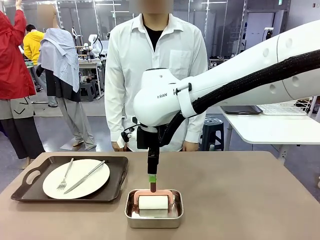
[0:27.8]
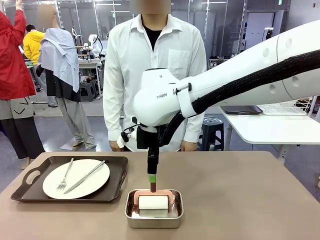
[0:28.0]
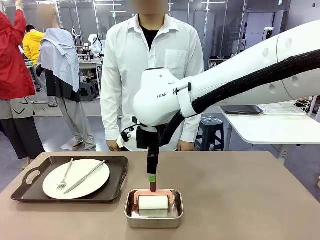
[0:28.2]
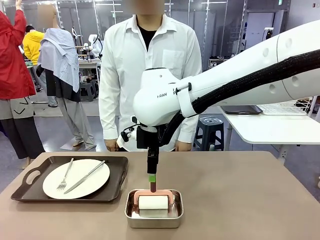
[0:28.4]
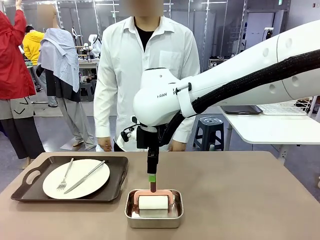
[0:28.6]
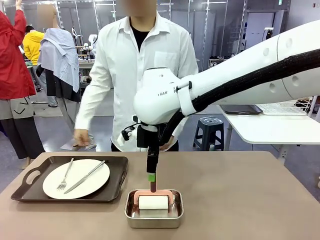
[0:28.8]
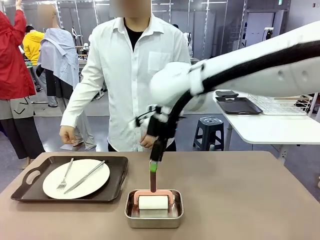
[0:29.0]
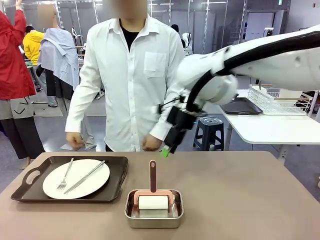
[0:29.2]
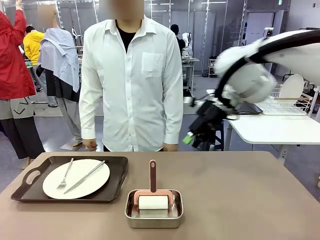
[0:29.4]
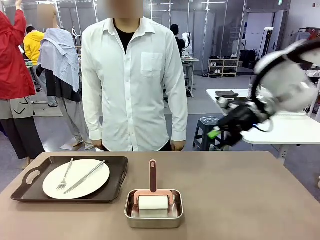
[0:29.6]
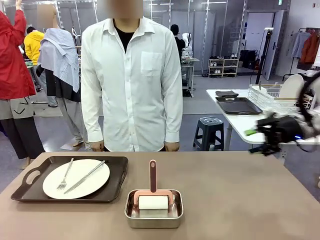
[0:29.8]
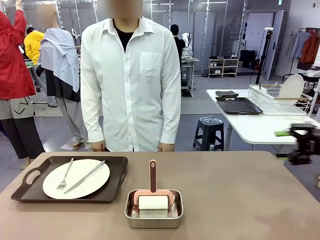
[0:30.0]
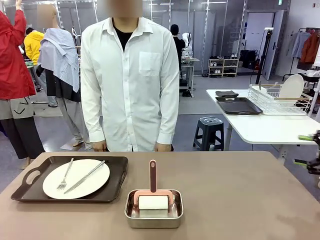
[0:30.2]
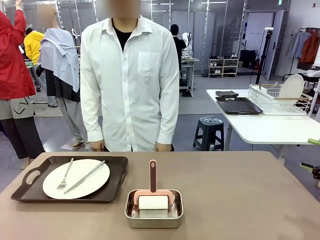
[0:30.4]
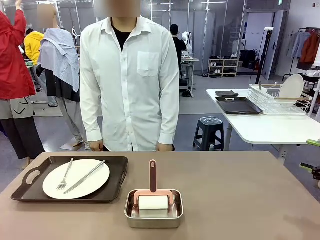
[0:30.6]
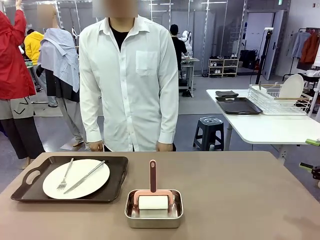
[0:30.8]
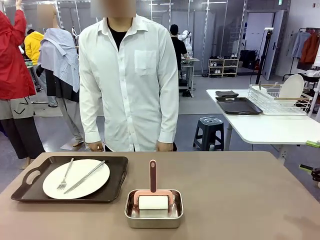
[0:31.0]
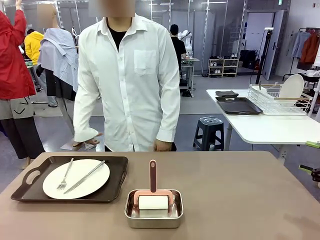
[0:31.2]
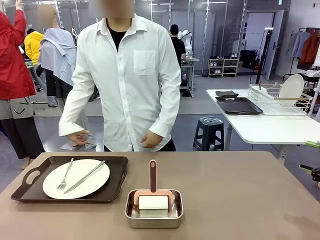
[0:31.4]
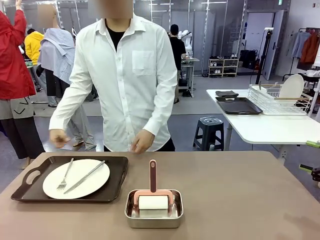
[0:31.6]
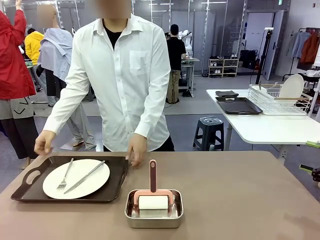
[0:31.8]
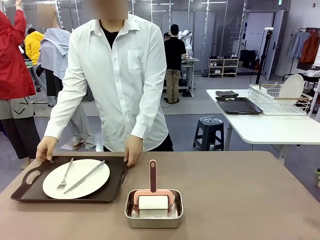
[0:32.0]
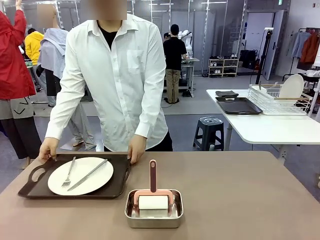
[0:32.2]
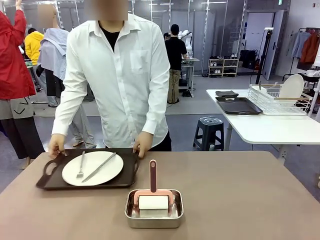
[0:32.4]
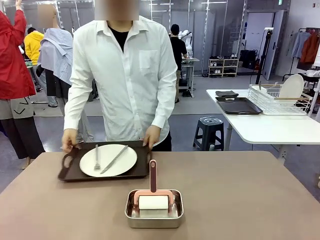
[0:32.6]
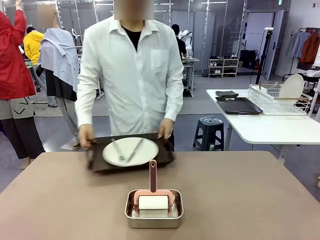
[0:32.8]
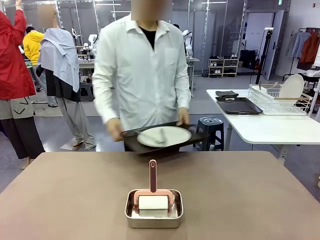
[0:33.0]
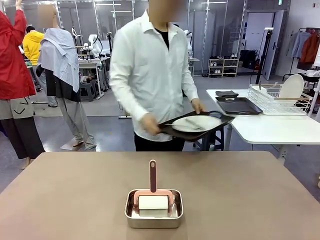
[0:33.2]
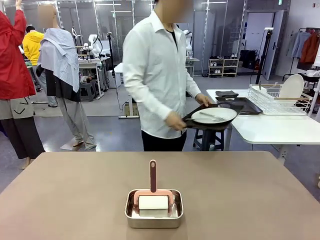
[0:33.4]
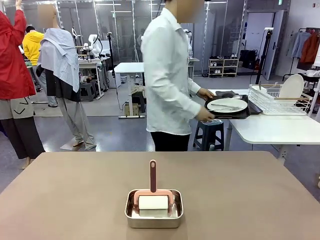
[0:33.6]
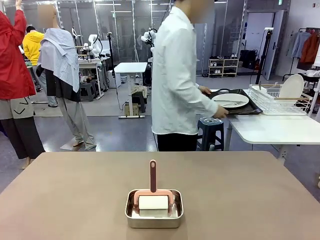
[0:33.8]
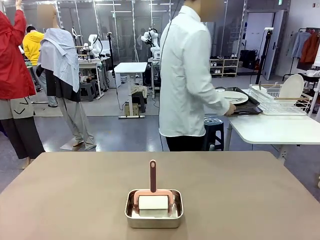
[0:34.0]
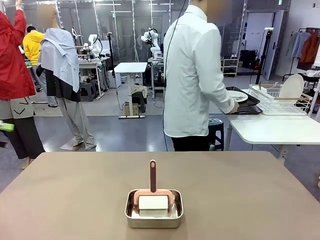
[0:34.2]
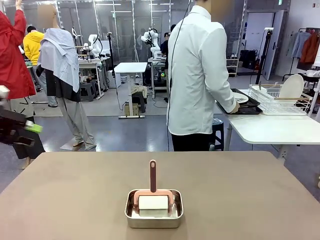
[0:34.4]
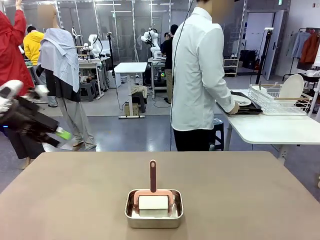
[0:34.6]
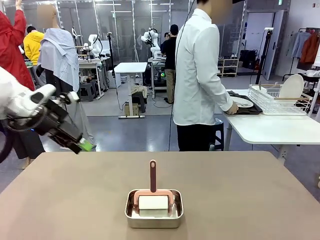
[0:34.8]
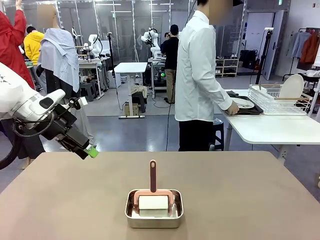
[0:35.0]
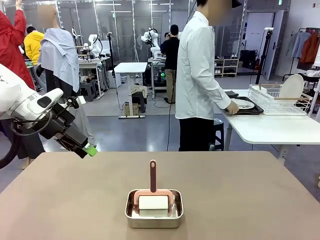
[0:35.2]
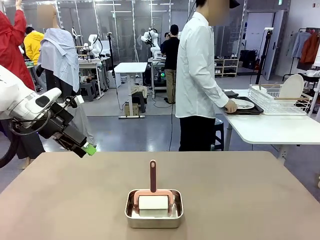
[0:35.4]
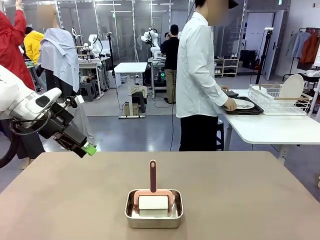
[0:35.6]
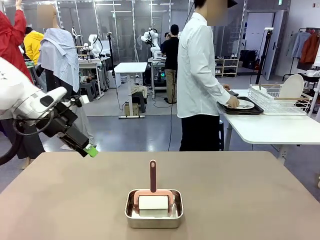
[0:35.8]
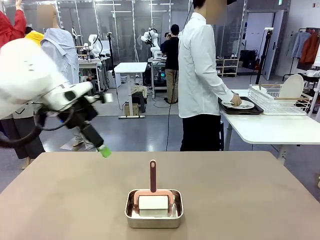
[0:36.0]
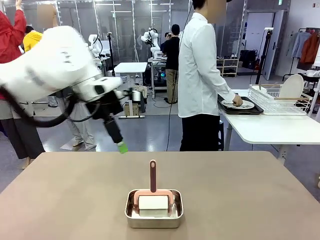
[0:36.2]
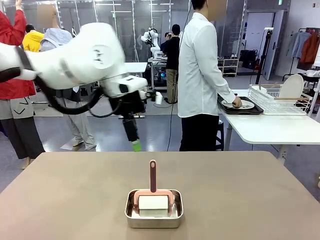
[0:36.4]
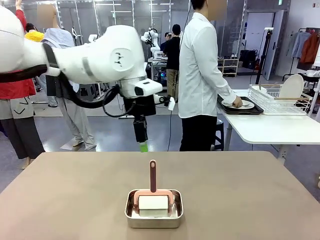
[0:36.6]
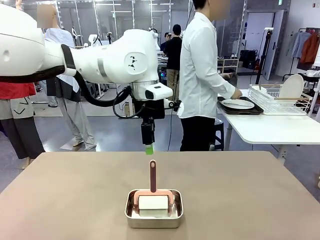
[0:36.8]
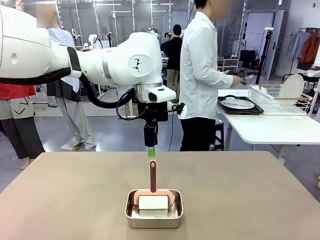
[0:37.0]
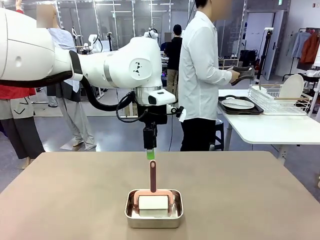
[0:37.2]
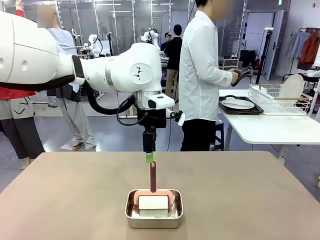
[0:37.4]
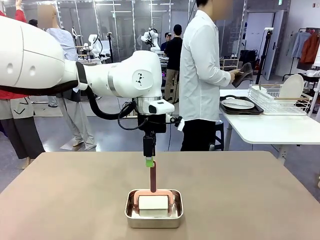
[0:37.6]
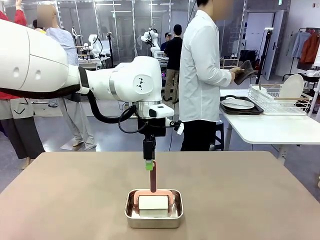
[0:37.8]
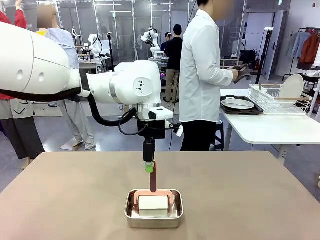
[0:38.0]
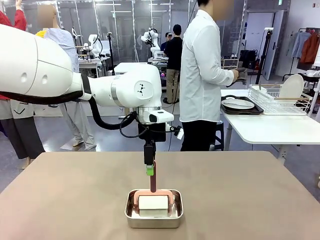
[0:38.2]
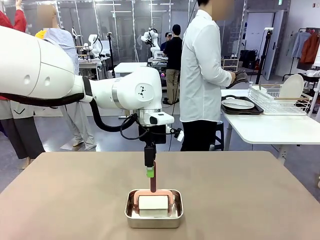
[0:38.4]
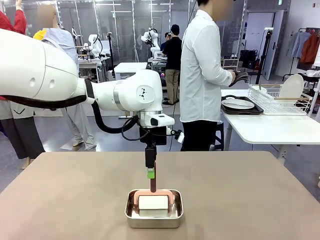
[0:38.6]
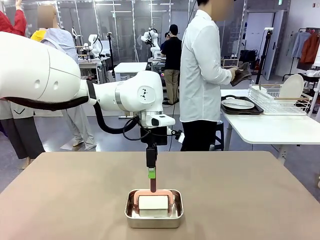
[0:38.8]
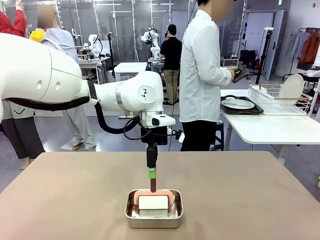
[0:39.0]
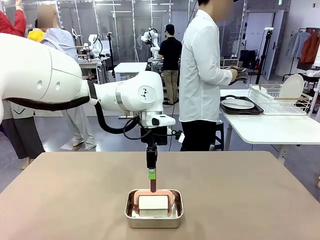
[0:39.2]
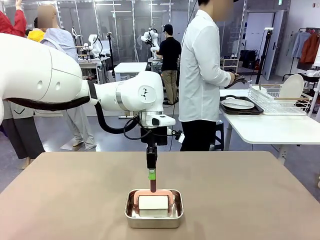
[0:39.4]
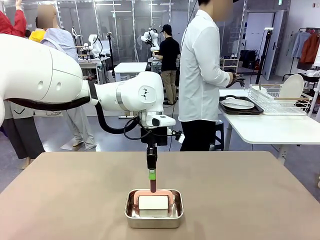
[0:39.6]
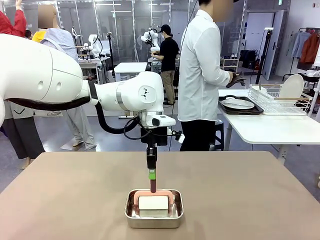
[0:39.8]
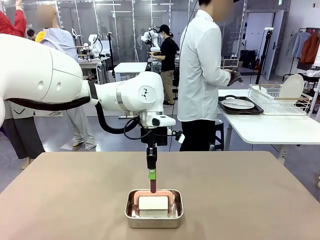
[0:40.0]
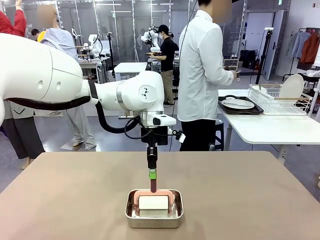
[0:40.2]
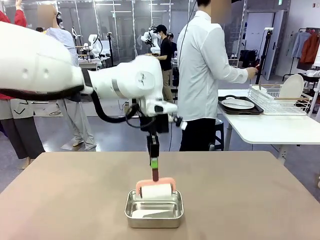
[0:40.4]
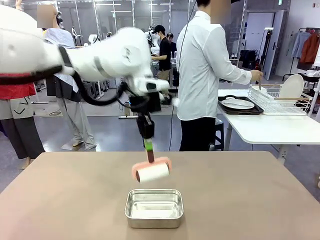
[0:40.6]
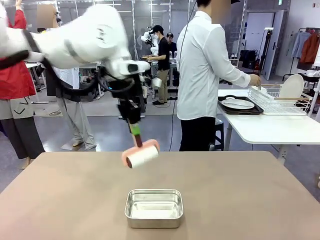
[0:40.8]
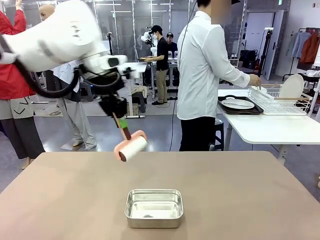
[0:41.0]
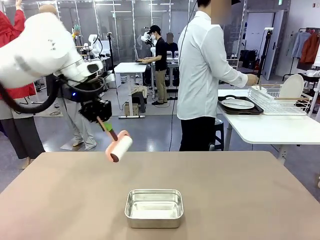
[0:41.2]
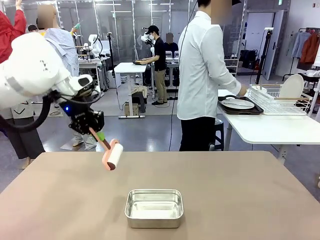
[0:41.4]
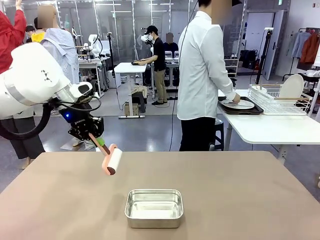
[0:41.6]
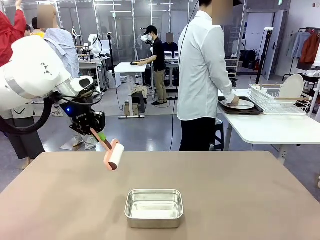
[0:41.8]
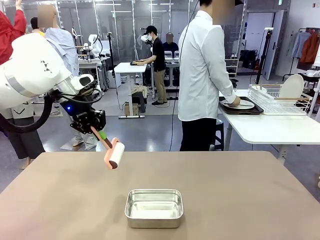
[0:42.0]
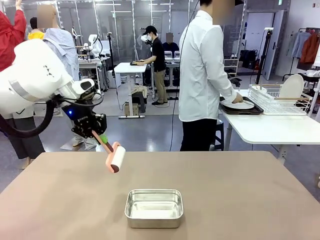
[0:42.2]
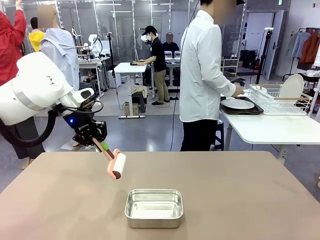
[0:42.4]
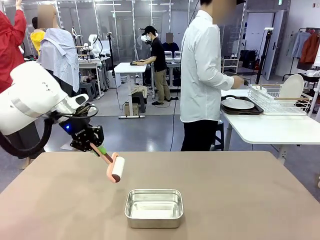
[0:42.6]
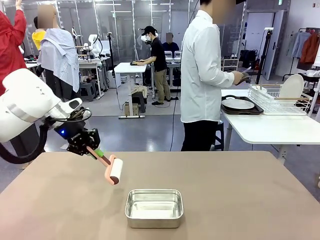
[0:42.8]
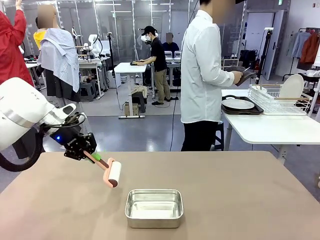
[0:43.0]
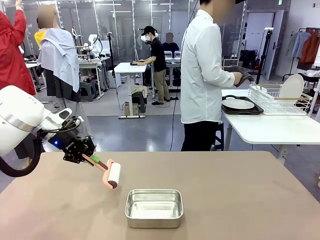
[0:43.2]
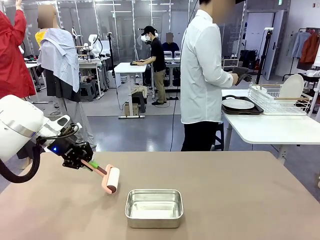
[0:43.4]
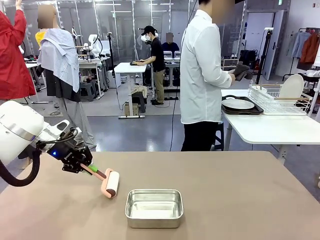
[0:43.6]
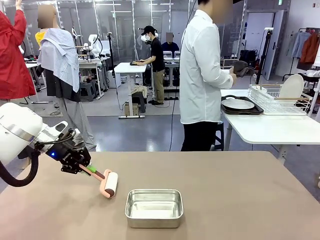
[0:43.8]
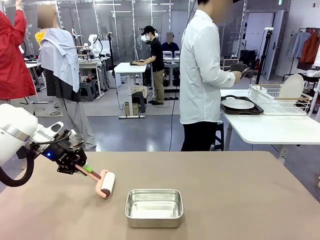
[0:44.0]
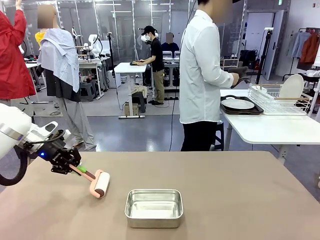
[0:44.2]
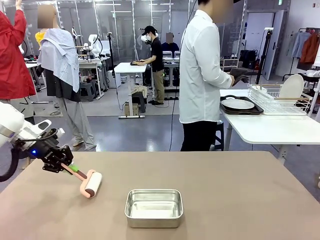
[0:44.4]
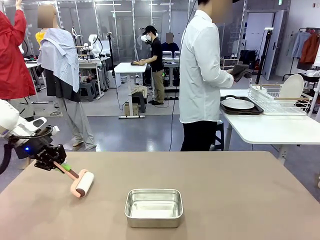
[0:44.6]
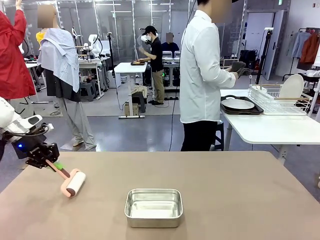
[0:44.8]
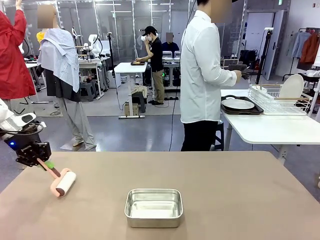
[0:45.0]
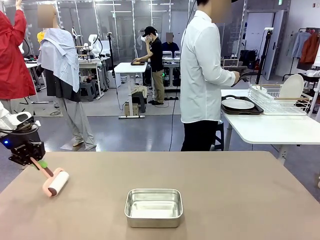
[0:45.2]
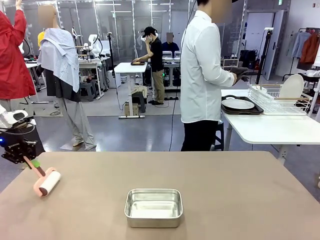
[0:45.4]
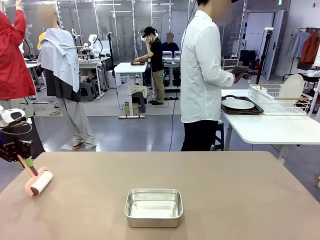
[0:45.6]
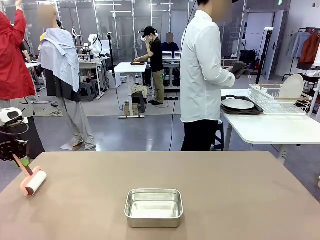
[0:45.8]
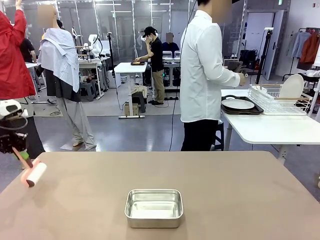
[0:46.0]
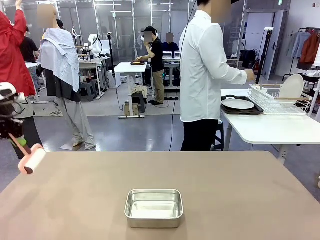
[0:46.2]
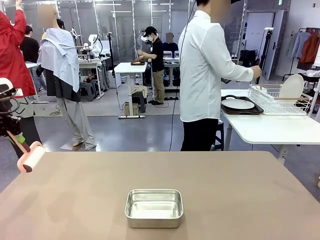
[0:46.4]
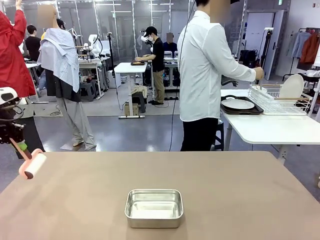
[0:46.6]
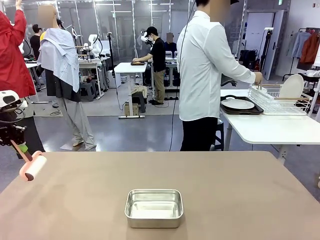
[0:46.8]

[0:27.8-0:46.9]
Robot: When the right (or left) Handle tray is removed, use the right hand (or left hand) to clean the right (or left) side of the table with the Lint Roller.
Person: Pick up the left (or right) Handle tray and place it on the Handle tray. Use the Towel with hook to wipe the Plastic Matte Plate , Fork , and Knife and place into the Dish drying rack.

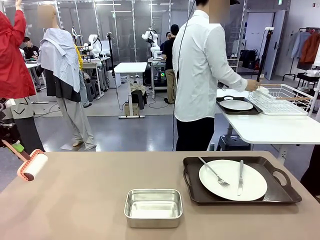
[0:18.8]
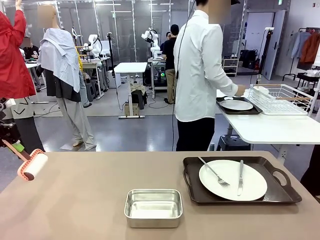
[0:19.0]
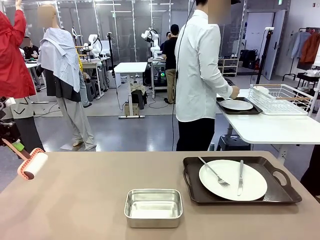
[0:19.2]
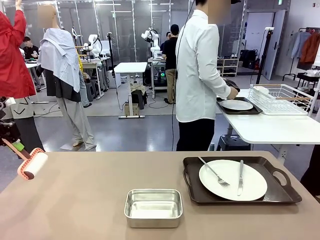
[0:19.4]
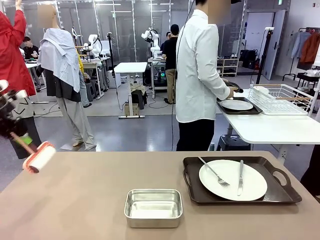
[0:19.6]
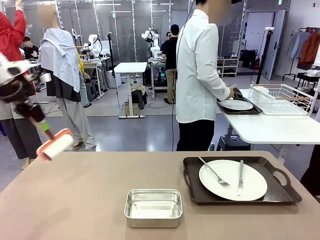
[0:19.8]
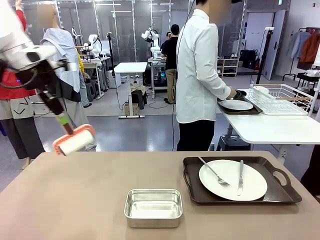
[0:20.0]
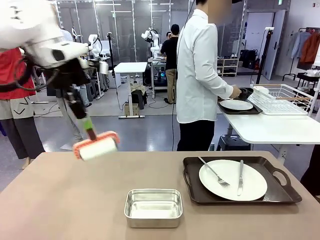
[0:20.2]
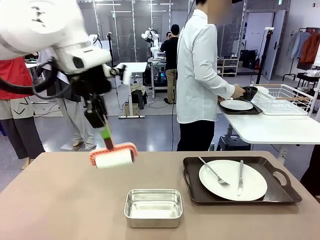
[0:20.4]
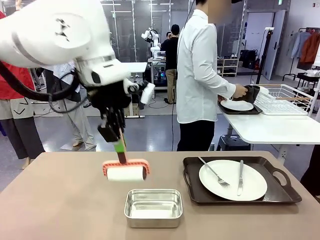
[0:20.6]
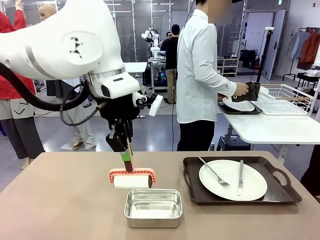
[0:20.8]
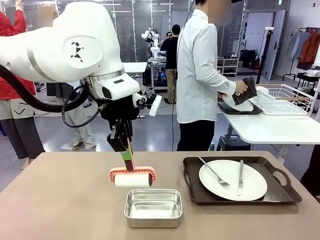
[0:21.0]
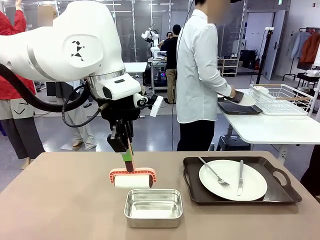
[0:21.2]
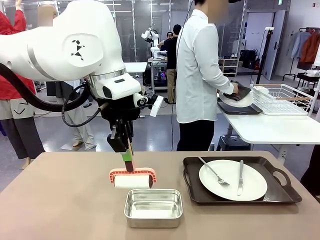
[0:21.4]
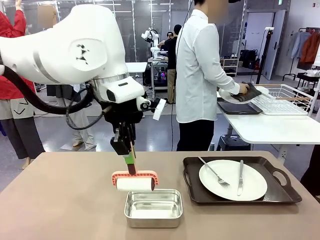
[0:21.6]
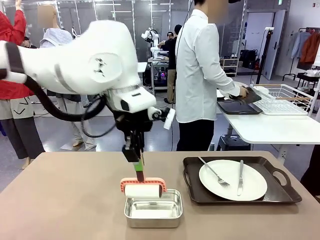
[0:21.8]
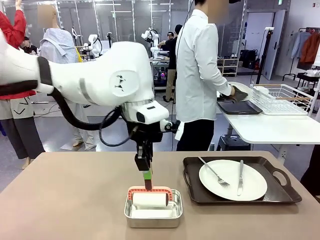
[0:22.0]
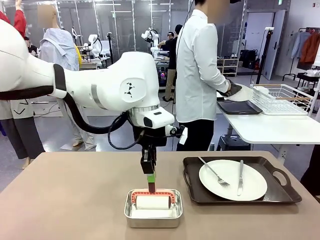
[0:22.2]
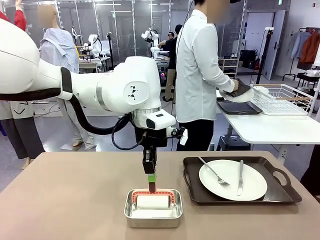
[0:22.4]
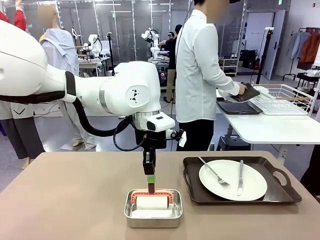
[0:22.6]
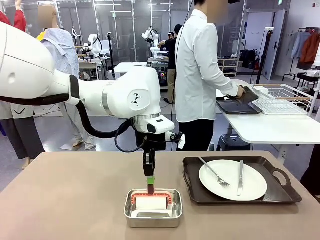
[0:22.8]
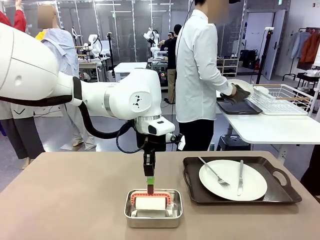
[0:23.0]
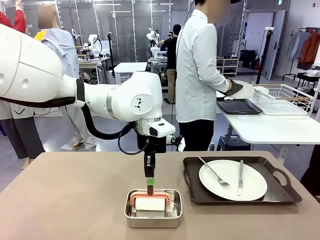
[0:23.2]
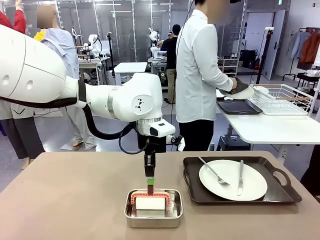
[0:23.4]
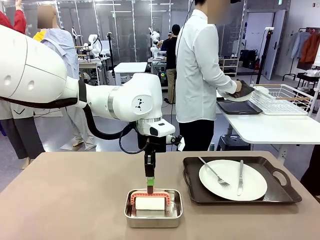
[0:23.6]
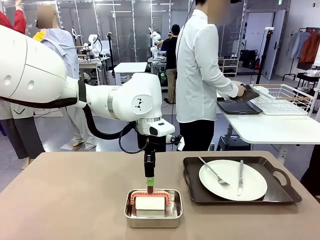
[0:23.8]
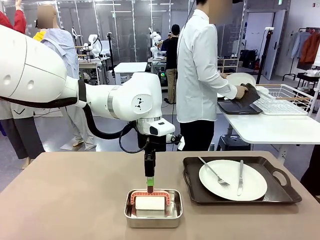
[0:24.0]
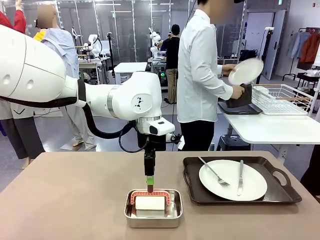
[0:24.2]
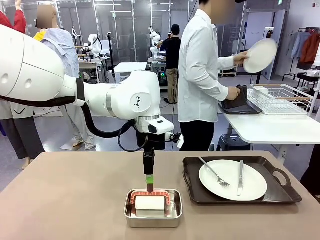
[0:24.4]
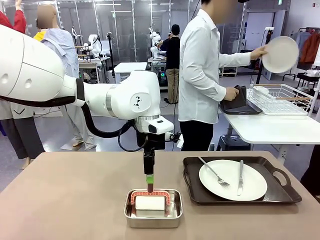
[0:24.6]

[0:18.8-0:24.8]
Robot: Place the Lint Roller back on top of the Airtight Container.
